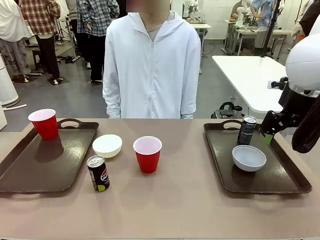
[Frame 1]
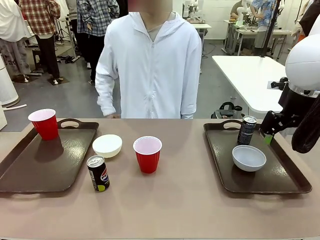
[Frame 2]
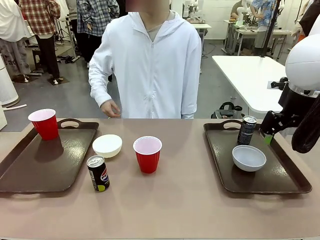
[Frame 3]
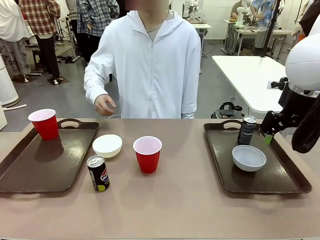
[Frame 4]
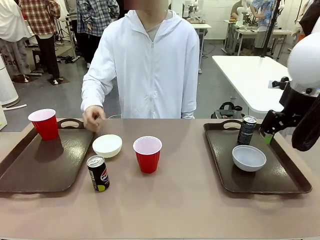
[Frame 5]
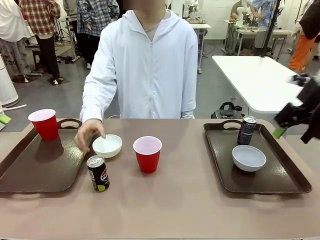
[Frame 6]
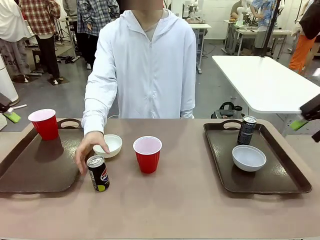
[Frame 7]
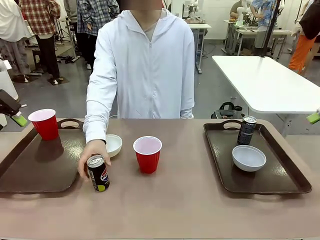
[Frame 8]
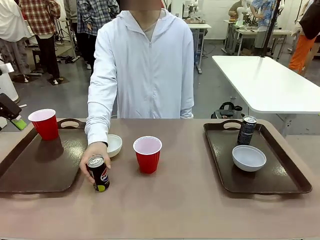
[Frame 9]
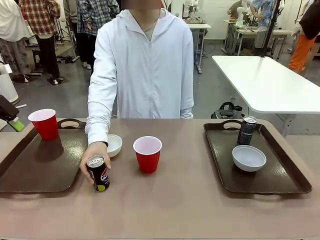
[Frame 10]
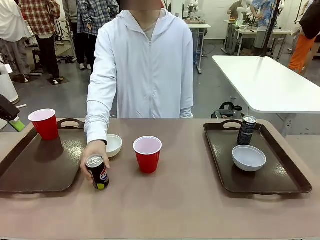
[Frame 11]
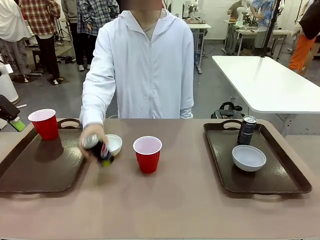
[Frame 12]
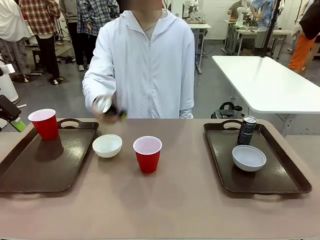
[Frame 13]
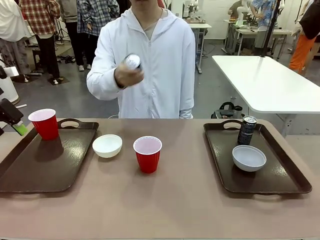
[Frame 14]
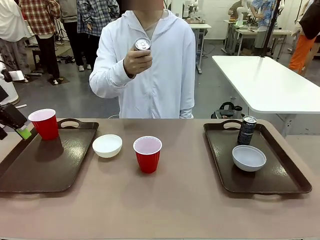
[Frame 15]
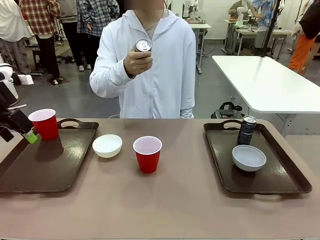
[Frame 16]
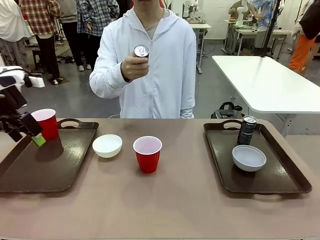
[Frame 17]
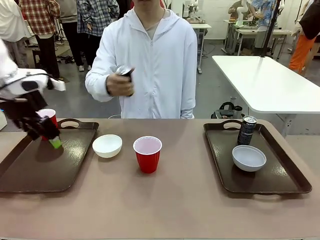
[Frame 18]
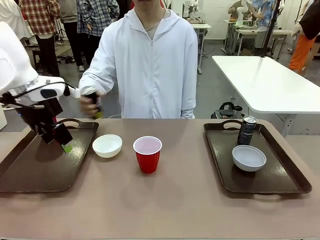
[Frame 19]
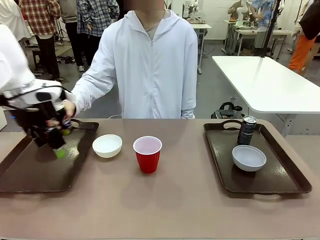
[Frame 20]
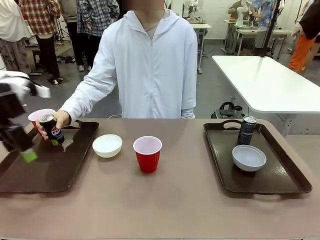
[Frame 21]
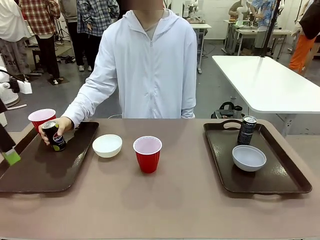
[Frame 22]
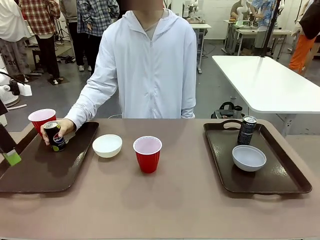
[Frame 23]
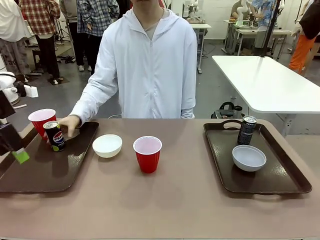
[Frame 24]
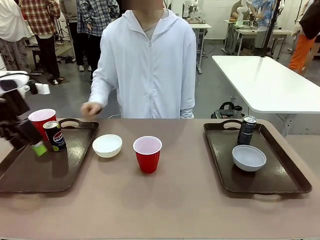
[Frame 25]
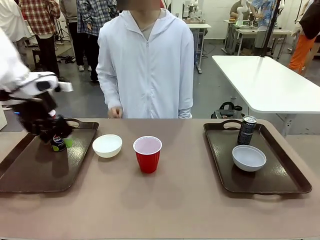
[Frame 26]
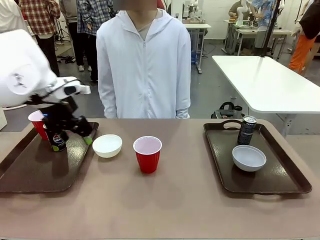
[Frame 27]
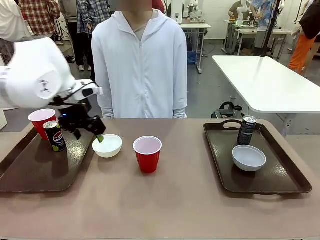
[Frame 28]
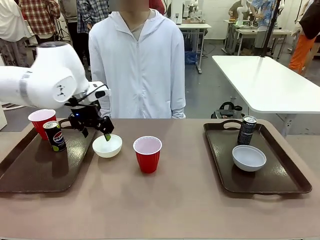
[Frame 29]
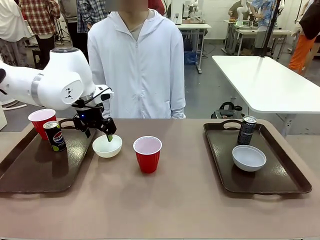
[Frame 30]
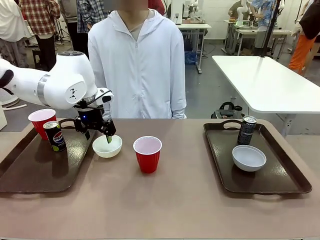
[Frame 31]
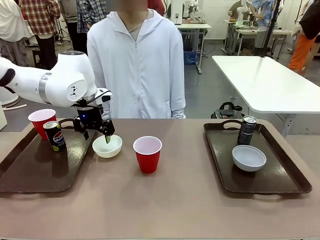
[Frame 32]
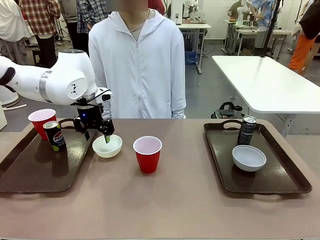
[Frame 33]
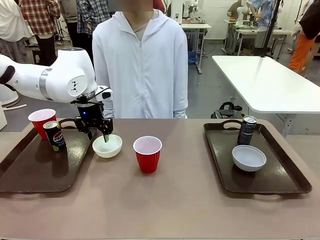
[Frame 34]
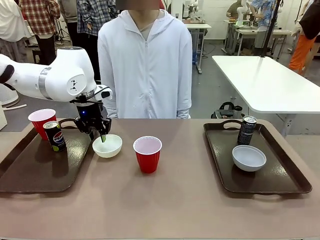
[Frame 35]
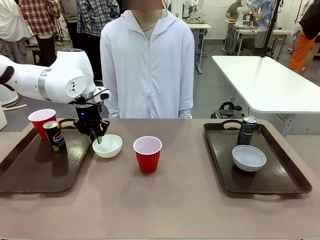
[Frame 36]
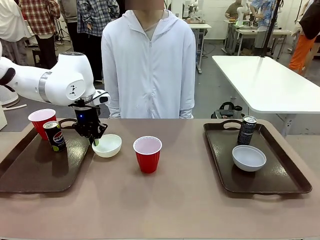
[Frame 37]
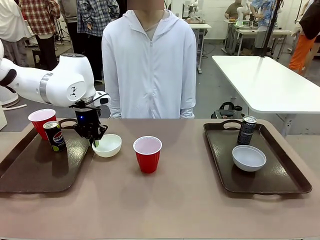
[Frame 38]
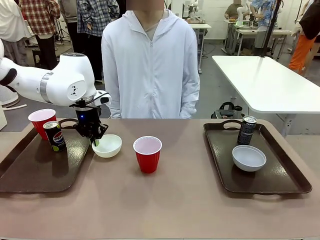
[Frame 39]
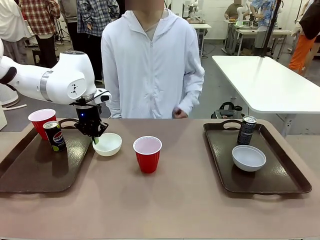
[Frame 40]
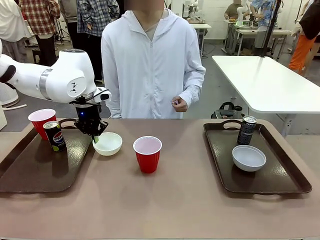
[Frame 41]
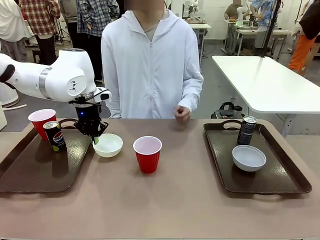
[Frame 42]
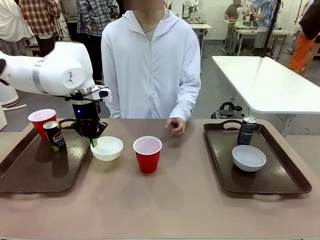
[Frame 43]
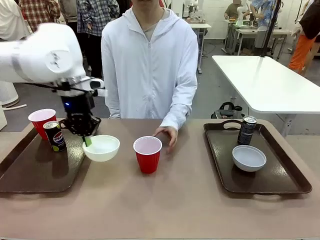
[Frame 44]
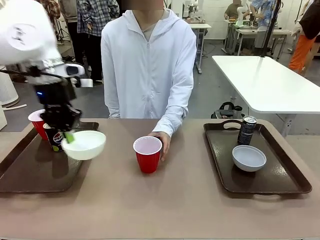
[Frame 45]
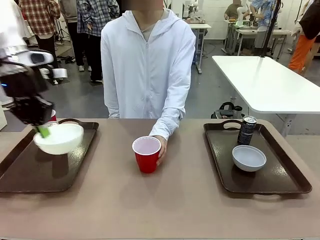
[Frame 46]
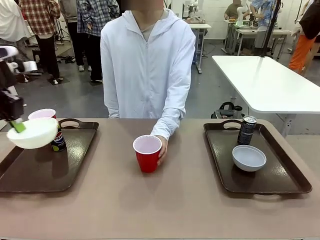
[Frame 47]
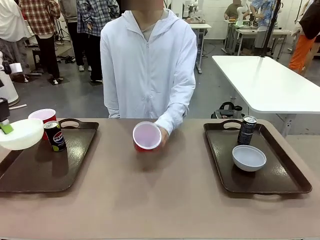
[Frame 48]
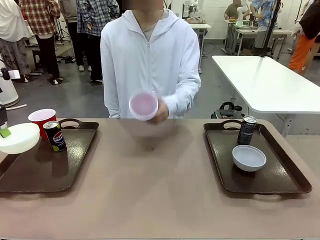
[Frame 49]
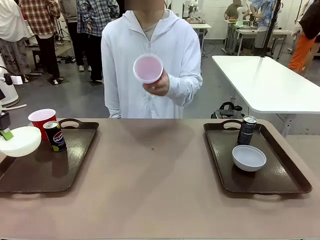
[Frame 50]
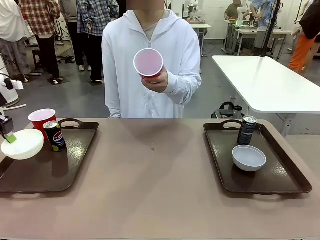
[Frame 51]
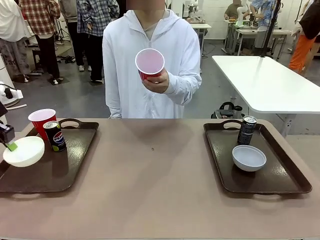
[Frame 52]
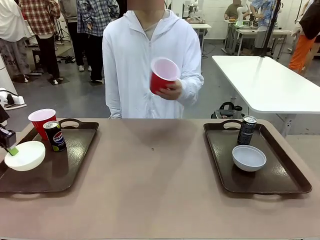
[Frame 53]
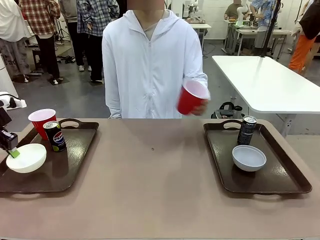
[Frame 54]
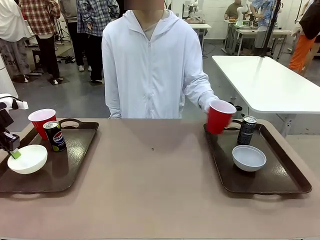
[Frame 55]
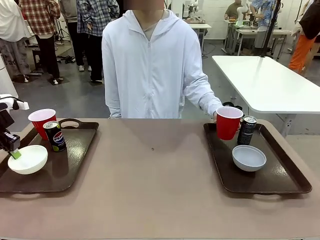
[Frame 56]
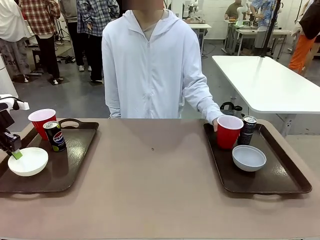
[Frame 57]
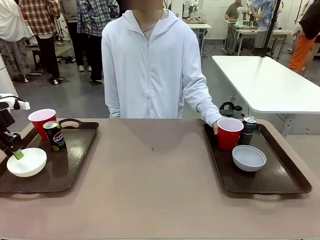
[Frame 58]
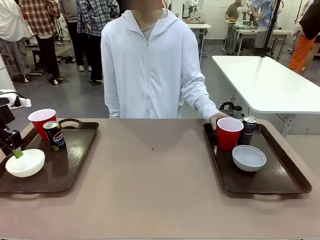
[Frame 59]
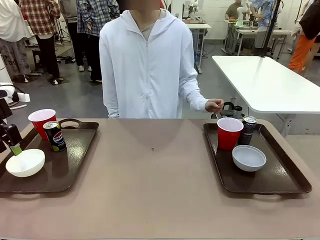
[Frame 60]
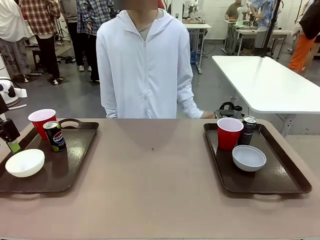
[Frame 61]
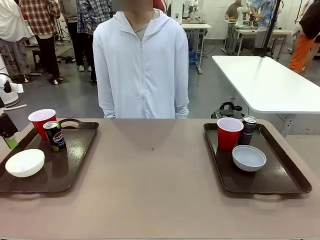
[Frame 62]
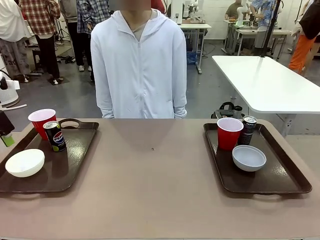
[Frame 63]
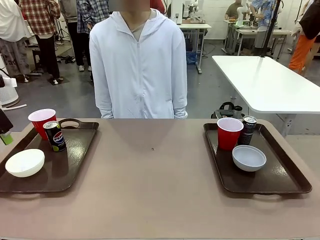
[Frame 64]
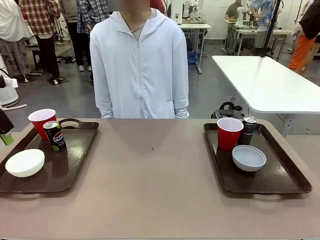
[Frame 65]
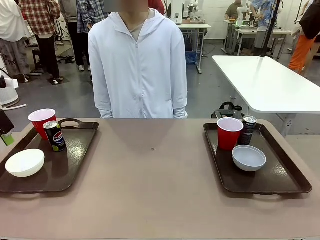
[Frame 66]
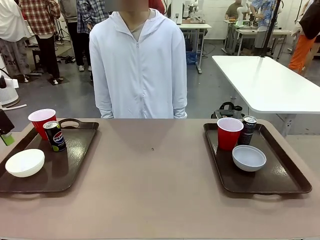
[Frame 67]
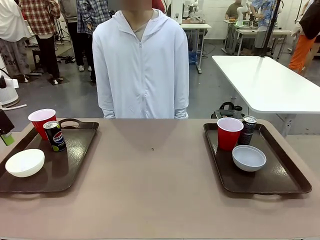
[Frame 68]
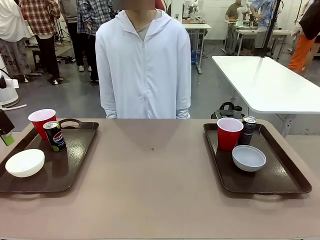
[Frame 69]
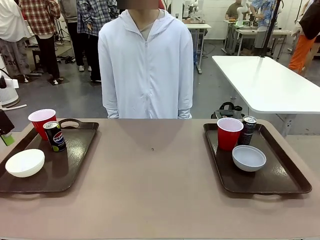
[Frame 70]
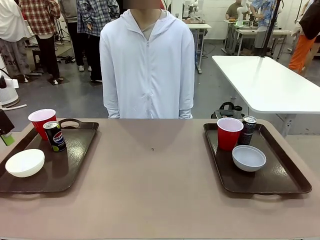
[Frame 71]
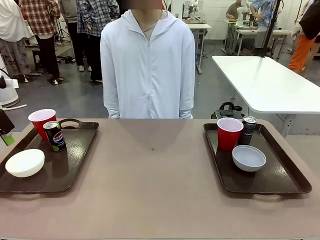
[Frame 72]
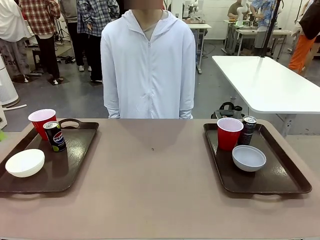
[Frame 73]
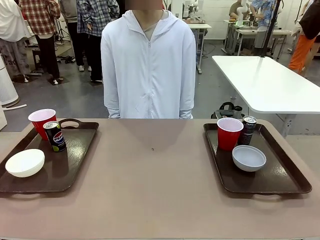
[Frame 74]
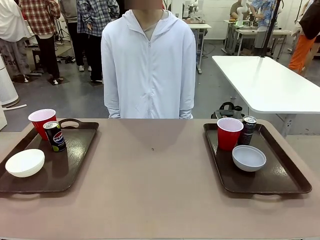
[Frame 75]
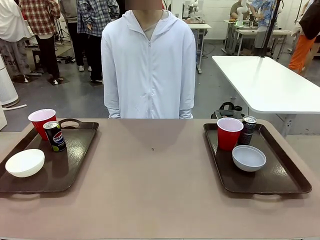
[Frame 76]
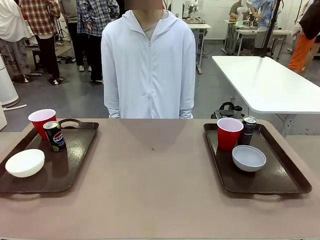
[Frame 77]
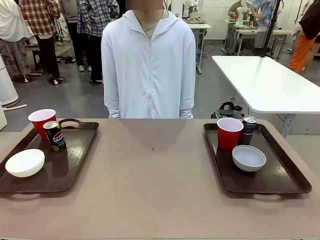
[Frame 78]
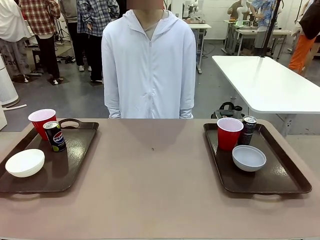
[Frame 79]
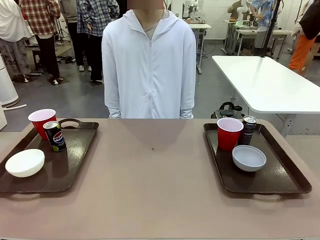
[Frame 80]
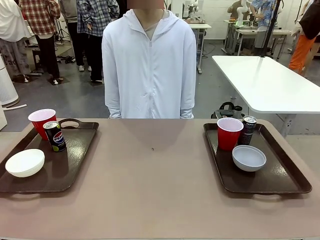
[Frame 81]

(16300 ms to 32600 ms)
Task: Prepare tableware on both trays.
Robot: Pick up a Picnic Bowl from the table and place it on a Handle tray.
Person: Pick up a can or cup and place it on the tray without a can or cup.
